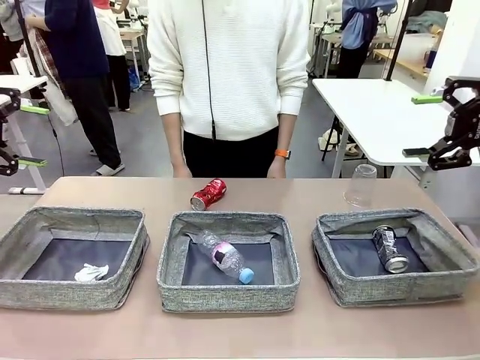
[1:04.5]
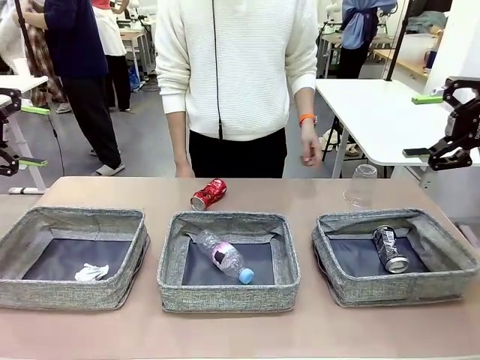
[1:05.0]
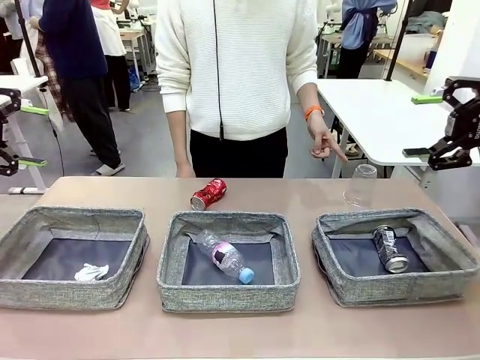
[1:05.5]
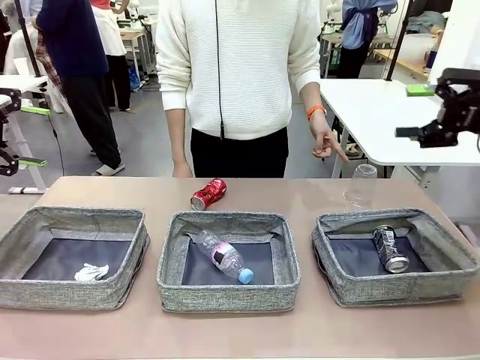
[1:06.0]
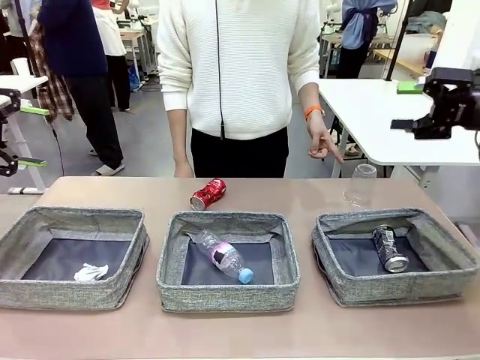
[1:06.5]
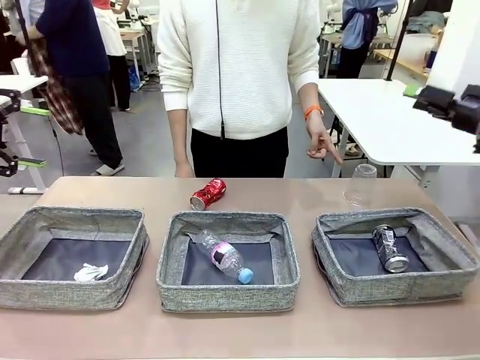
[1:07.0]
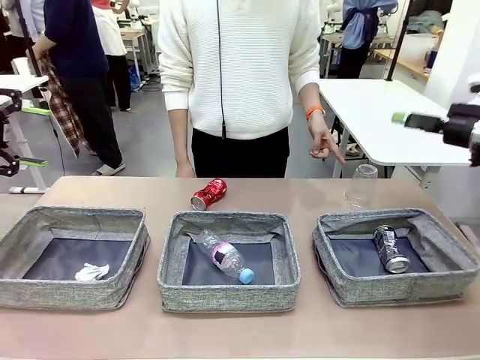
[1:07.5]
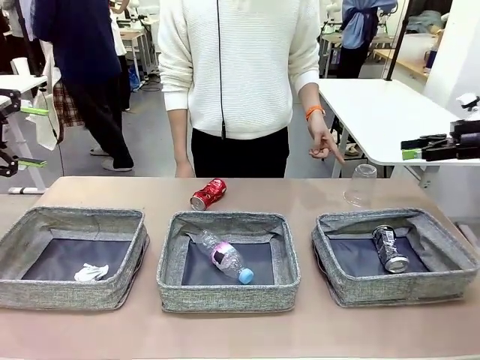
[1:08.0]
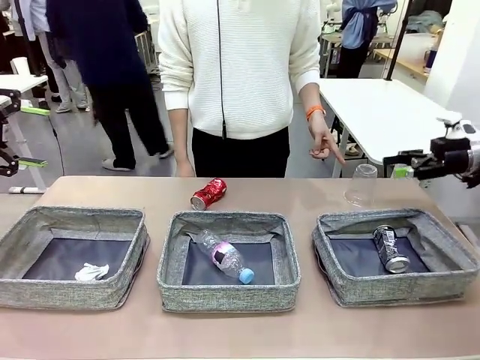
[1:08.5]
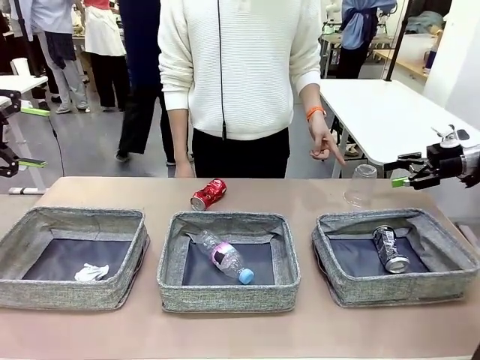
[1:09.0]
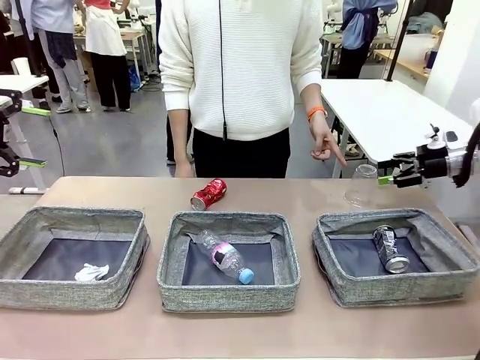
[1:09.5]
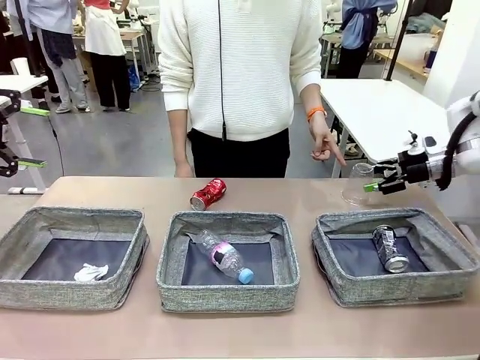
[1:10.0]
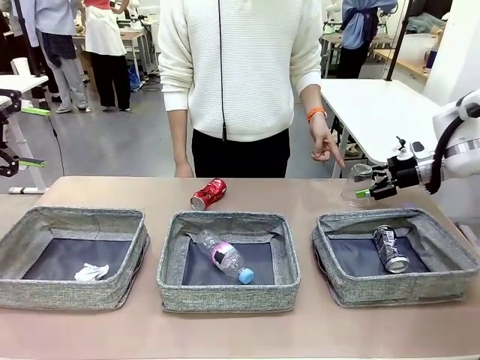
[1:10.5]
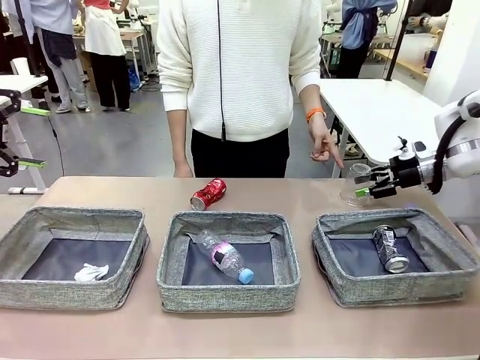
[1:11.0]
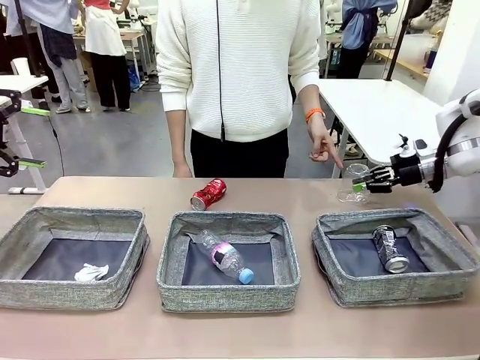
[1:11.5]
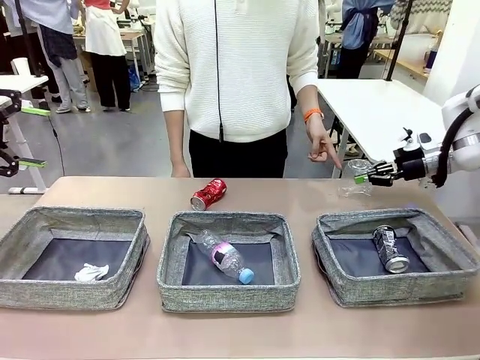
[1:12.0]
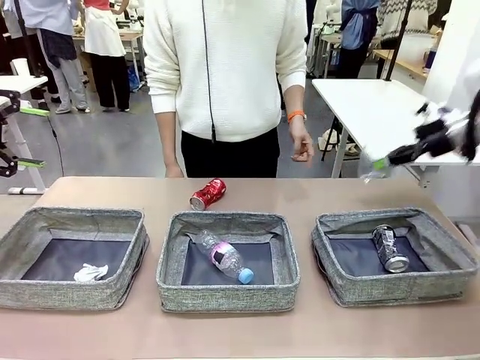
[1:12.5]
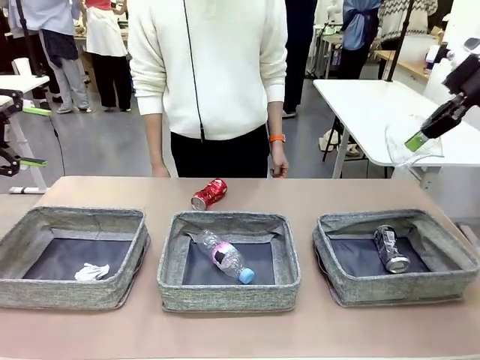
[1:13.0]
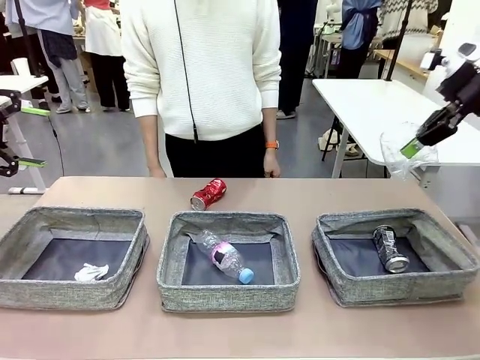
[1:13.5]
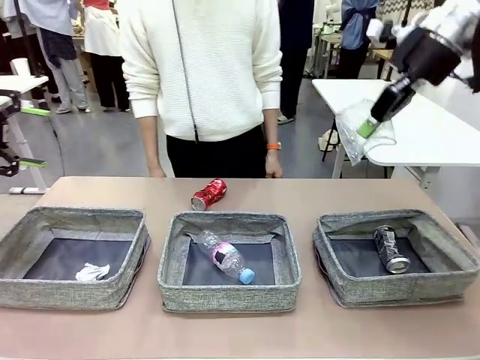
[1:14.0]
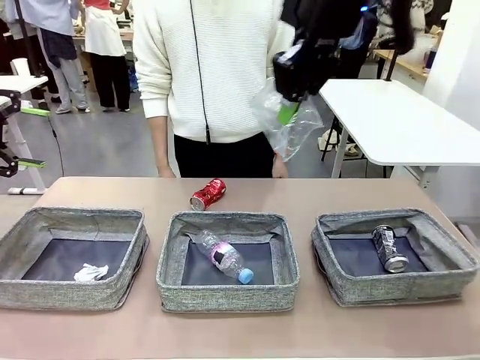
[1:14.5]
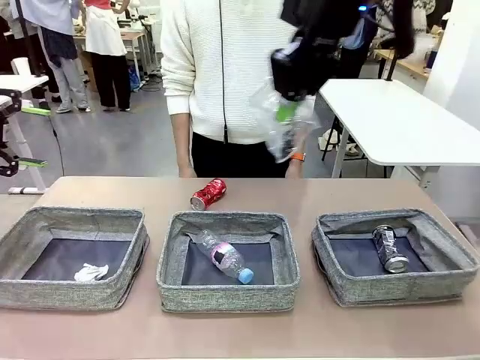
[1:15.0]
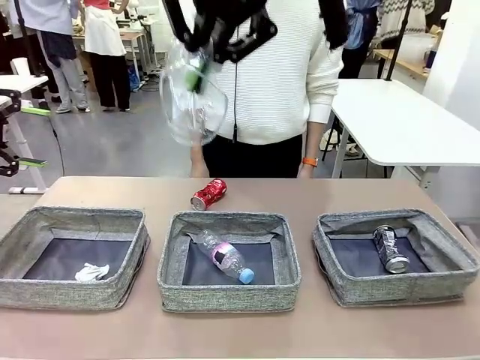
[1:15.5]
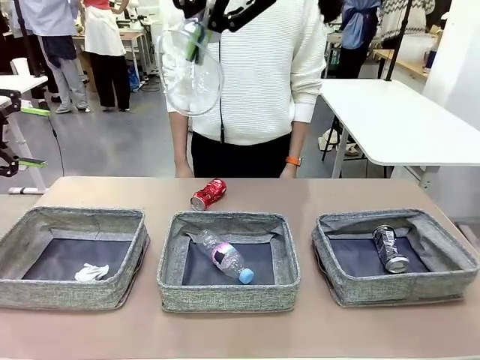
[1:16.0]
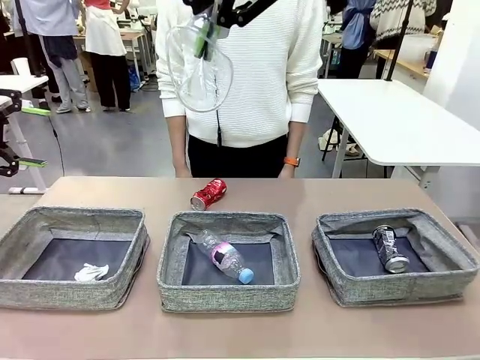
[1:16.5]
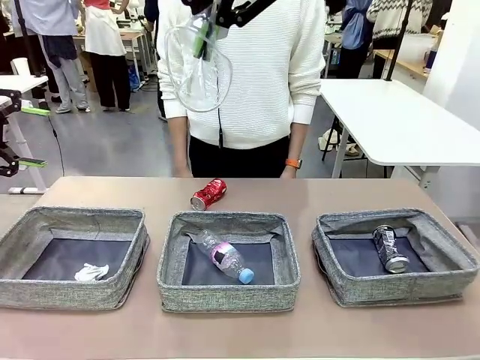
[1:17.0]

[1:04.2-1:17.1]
Task: Sort the waste into the appropriate baskets.
Robot: Pick up the waste item pointed out by the person.
Person: Points to one piece of trash on the table.

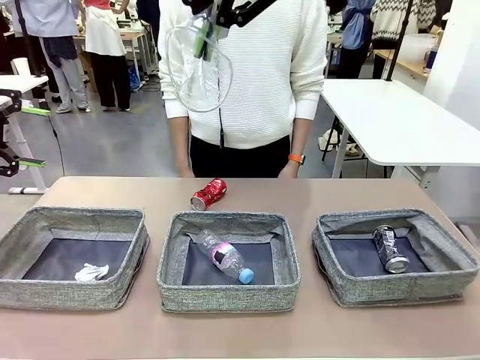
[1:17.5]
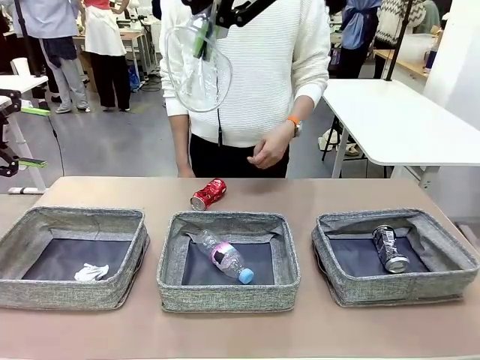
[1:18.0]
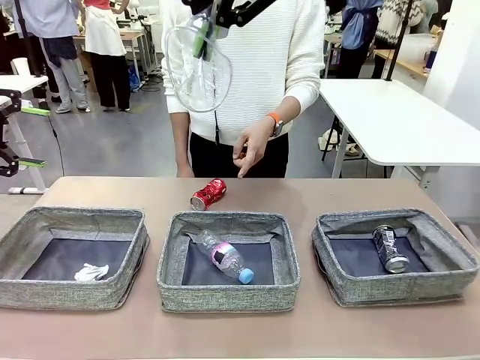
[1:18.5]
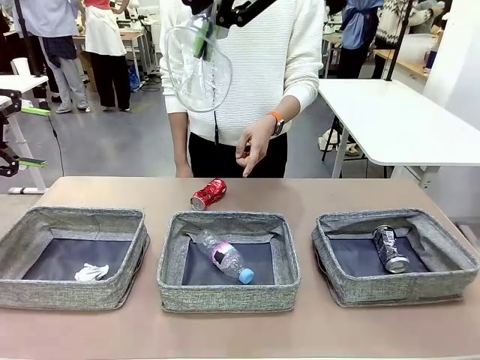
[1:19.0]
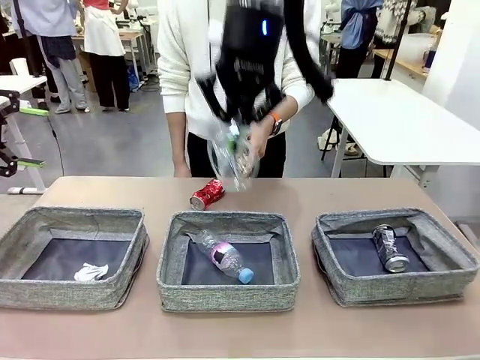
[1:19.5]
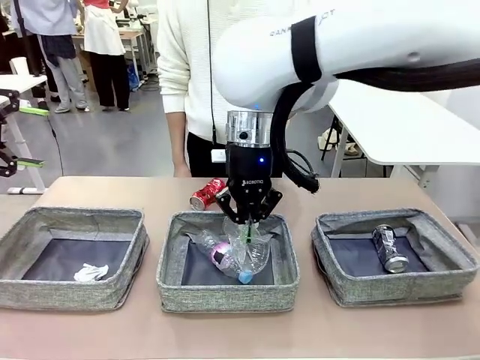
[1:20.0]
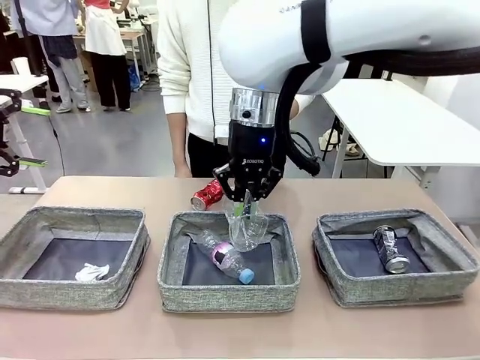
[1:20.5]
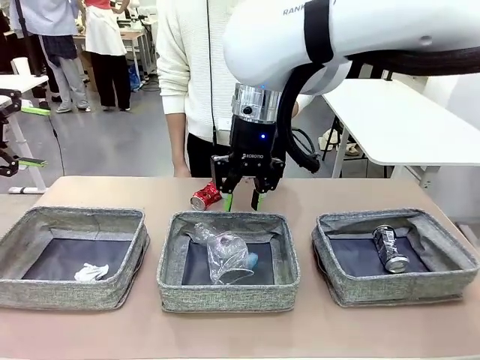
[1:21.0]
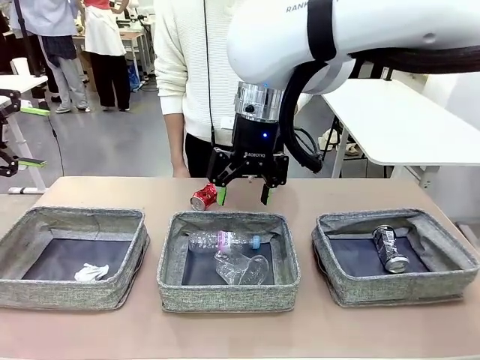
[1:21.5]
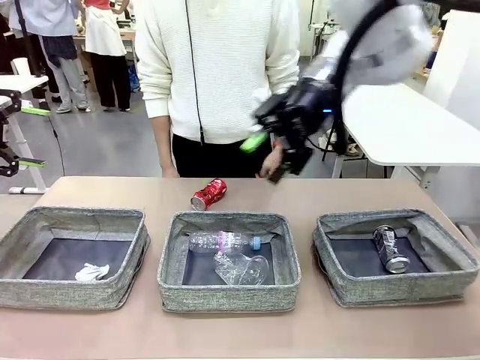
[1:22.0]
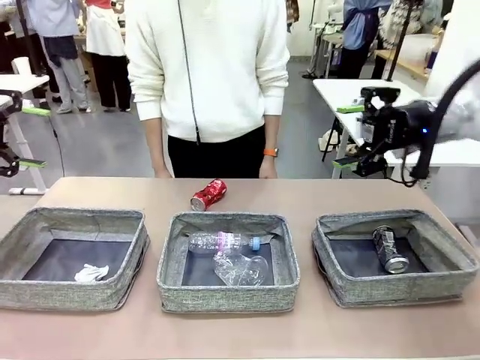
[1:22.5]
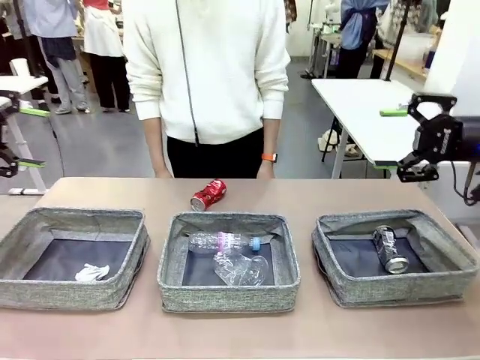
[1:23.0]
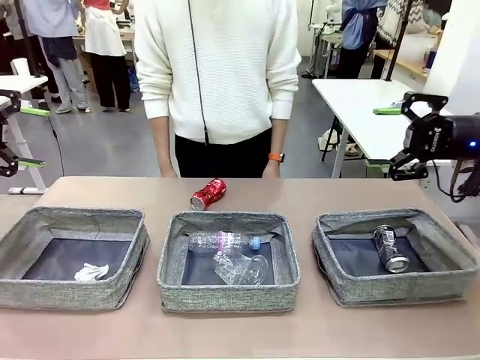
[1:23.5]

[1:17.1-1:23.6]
Robot: Place the picked waste into the Fabric basket indicated by the person.
Person: Instructs the robot to place the picked-up trash into the appropriate organizing basket.

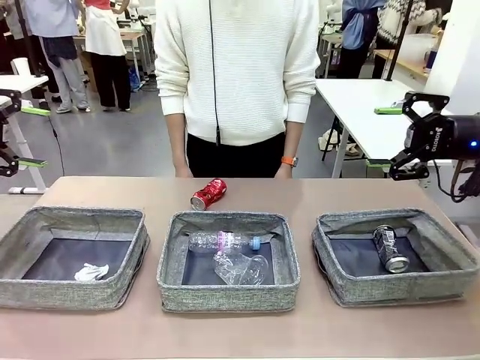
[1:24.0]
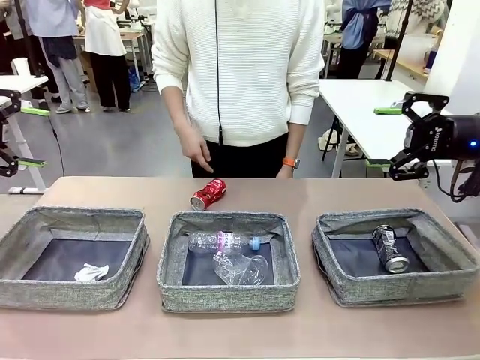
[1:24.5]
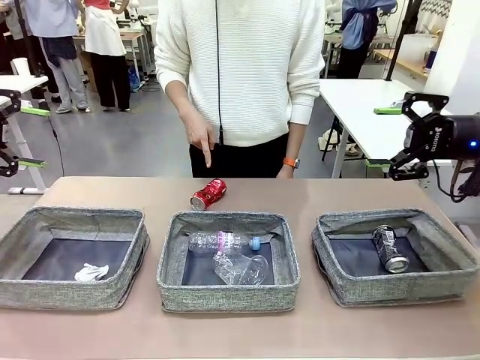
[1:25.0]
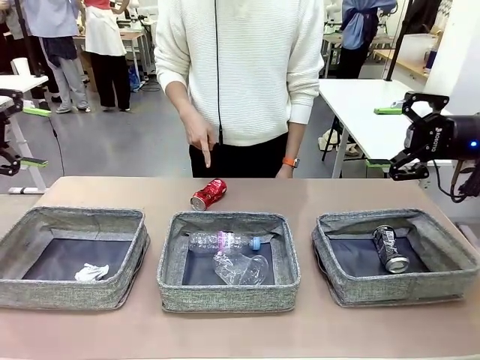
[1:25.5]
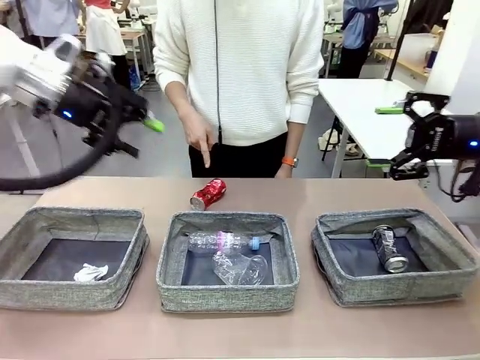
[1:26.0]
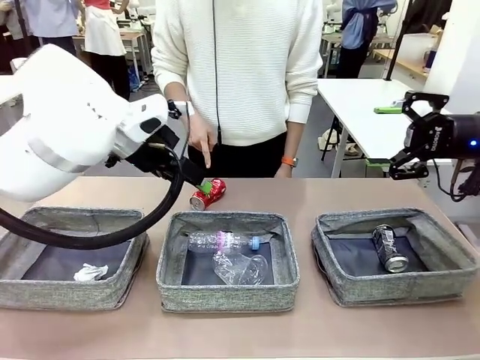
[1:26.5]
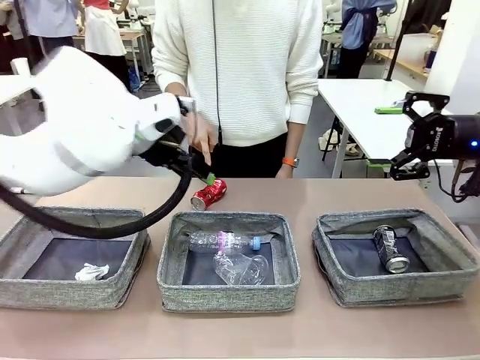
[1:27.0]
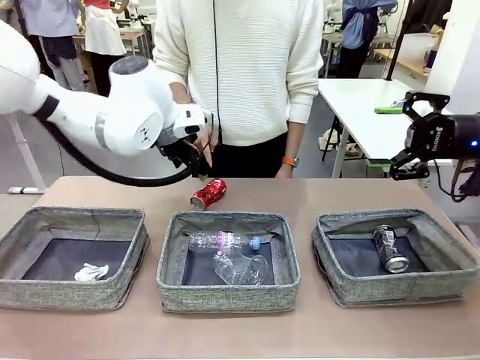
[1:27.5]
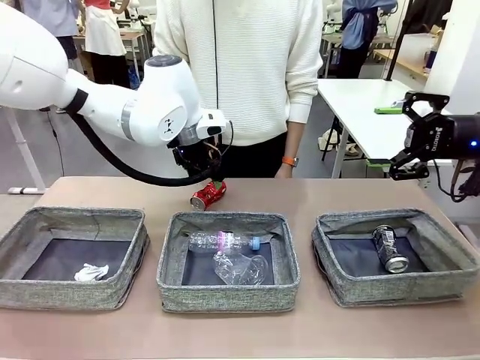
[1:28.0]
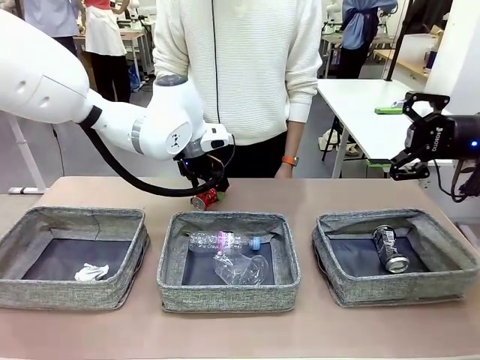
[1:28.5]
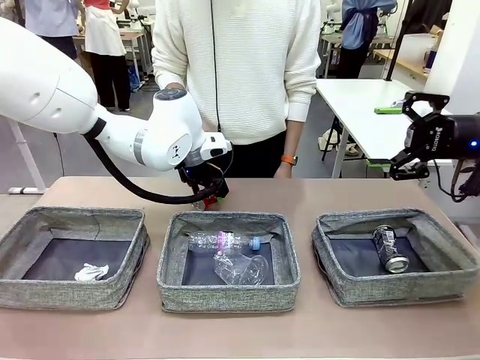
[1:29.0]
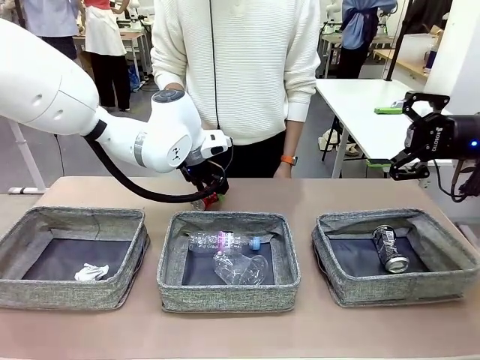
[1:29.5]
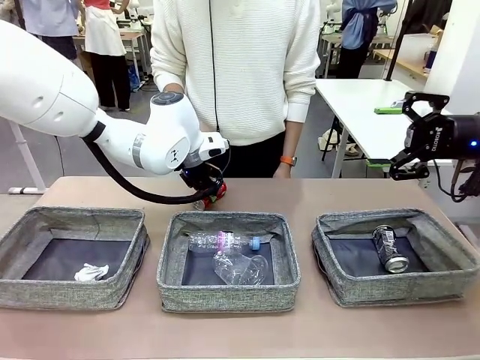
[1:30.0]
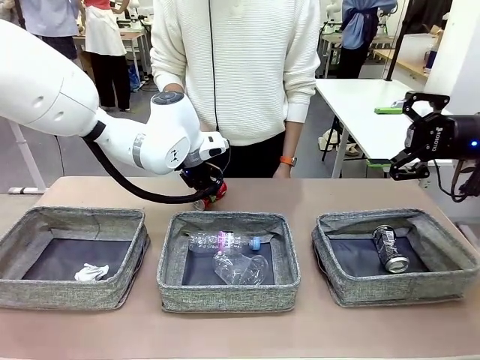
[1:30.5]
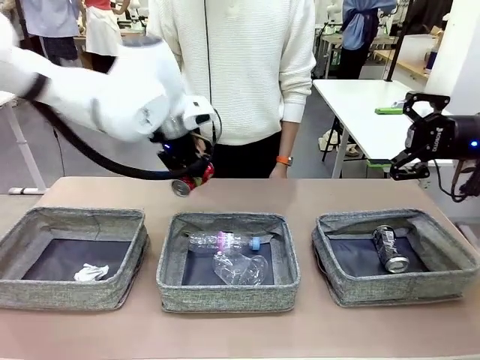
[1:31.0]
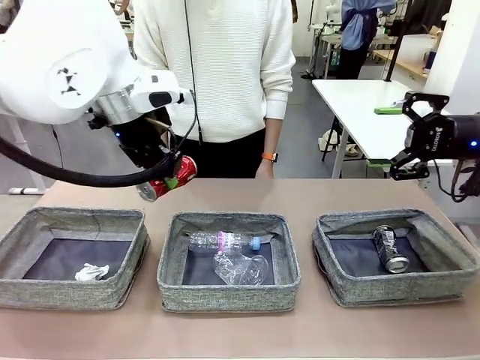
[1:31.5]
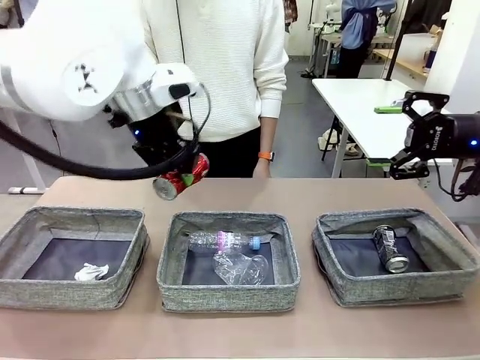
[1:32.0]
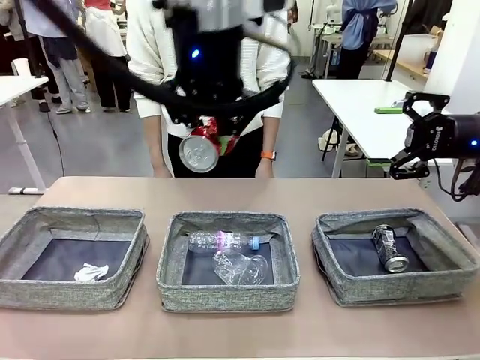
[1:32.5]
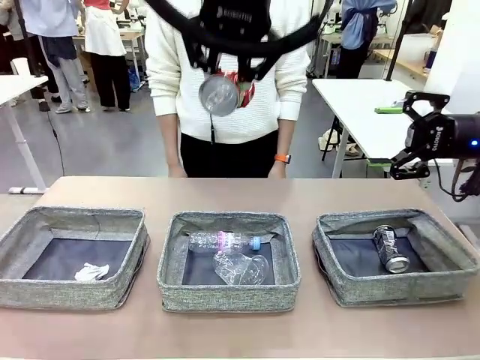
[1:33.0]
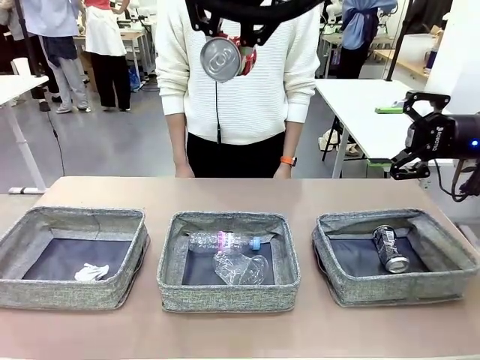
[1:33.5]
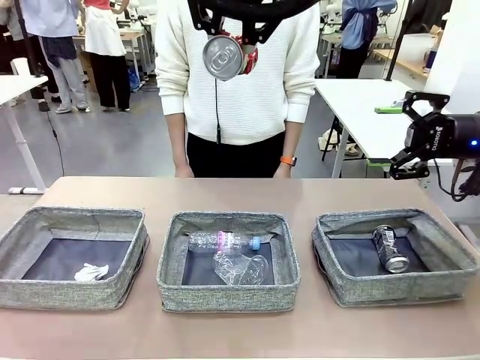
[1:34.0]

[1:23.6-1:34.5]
Robot: Pick up the waste item pointed out by the person.
Person: Points to one piece of trash on the table.
